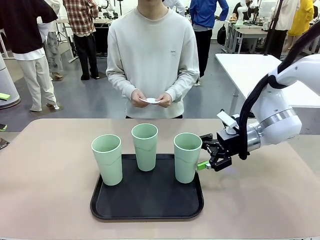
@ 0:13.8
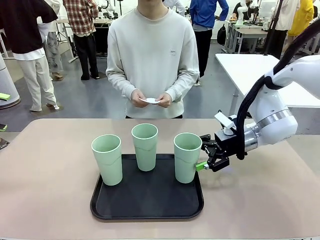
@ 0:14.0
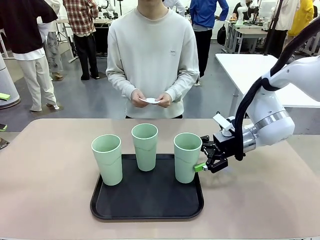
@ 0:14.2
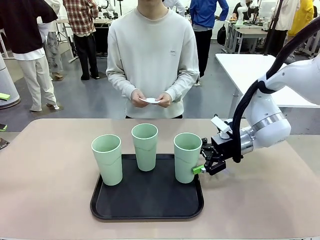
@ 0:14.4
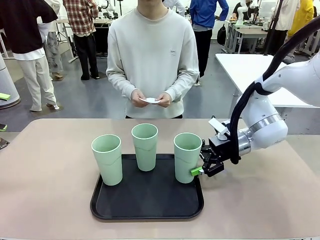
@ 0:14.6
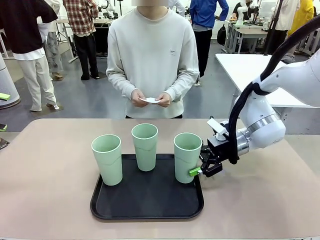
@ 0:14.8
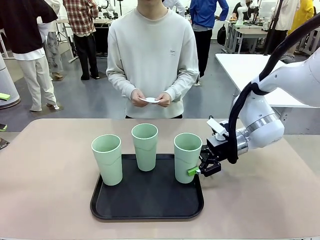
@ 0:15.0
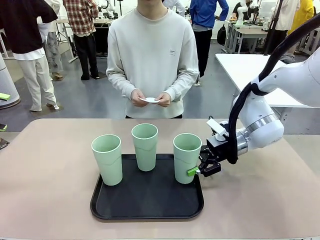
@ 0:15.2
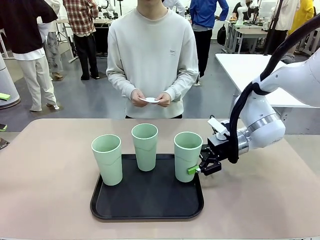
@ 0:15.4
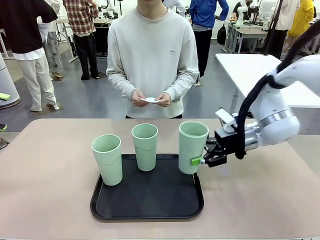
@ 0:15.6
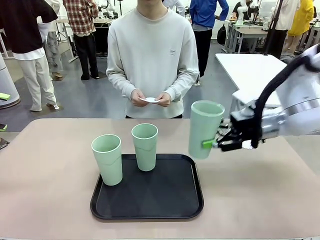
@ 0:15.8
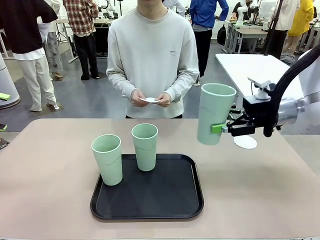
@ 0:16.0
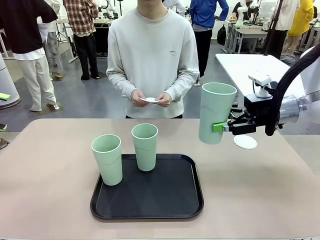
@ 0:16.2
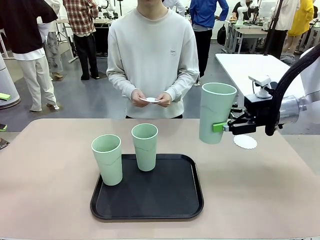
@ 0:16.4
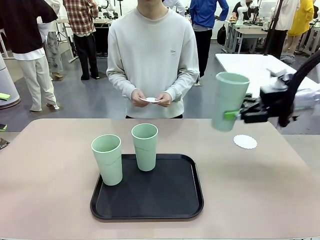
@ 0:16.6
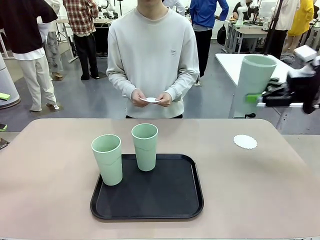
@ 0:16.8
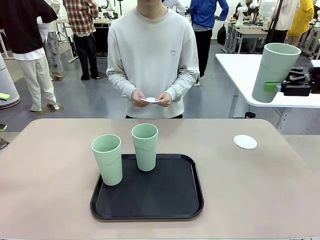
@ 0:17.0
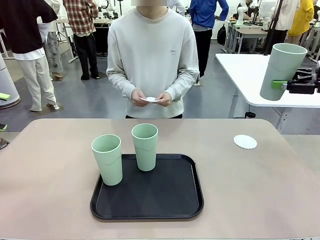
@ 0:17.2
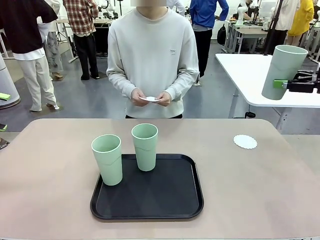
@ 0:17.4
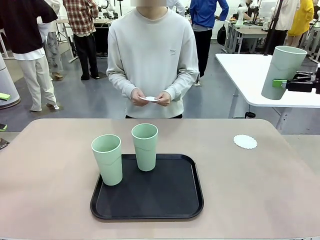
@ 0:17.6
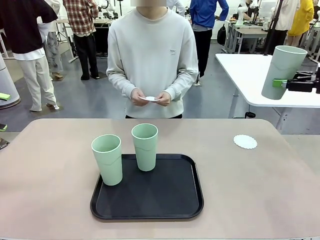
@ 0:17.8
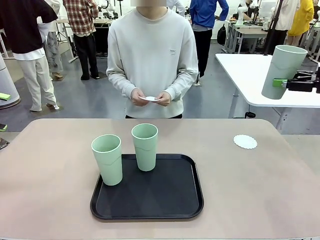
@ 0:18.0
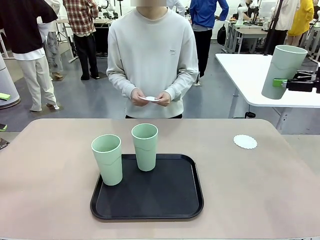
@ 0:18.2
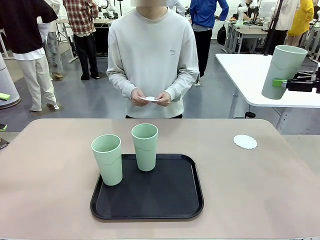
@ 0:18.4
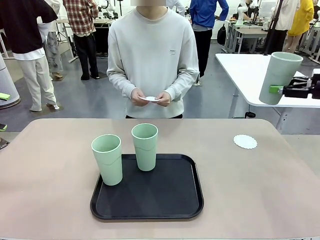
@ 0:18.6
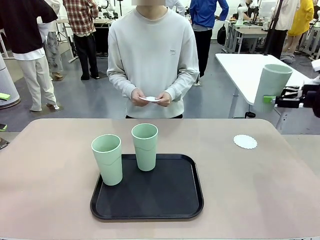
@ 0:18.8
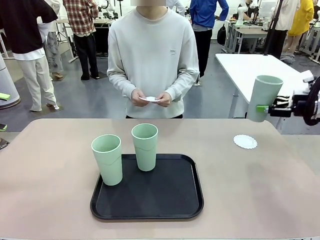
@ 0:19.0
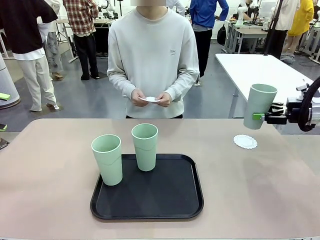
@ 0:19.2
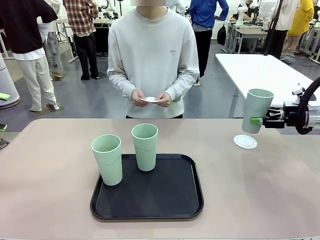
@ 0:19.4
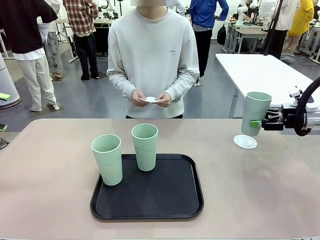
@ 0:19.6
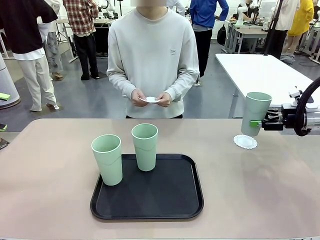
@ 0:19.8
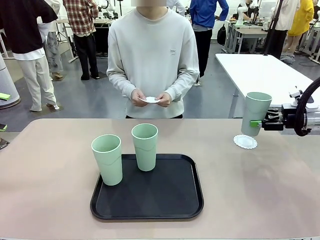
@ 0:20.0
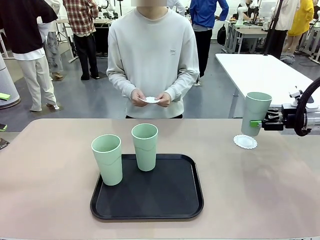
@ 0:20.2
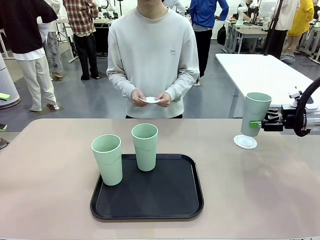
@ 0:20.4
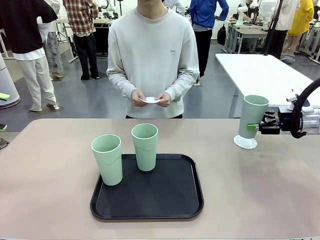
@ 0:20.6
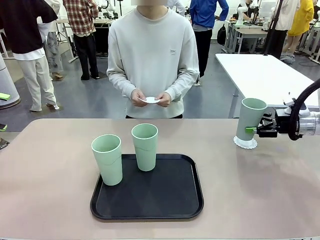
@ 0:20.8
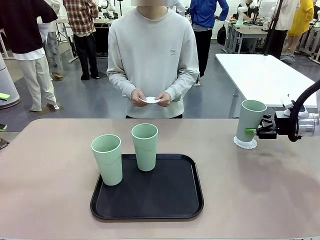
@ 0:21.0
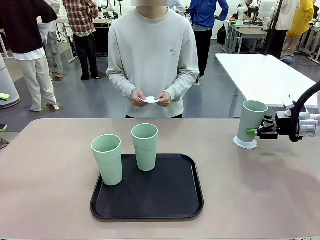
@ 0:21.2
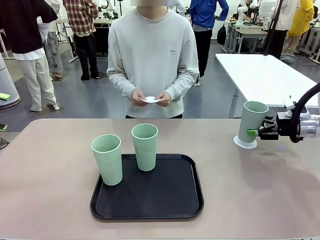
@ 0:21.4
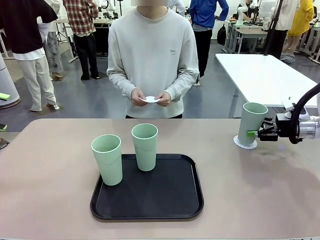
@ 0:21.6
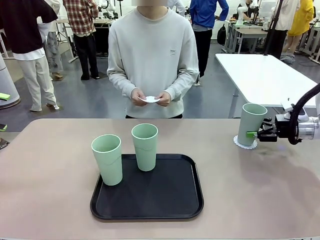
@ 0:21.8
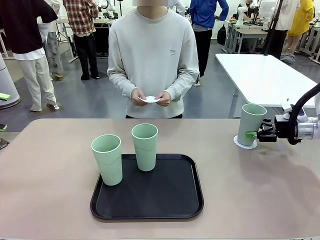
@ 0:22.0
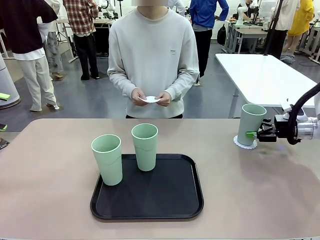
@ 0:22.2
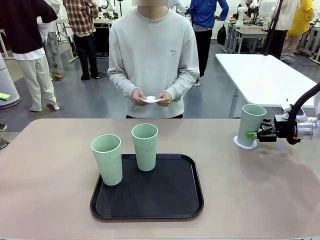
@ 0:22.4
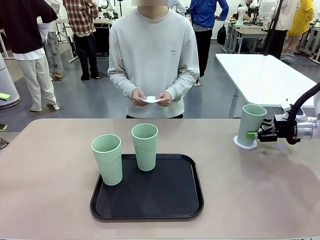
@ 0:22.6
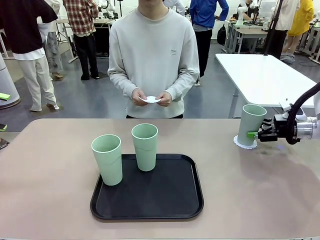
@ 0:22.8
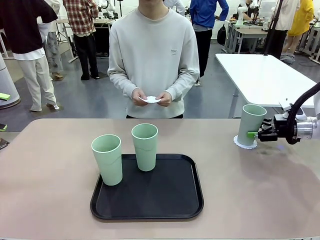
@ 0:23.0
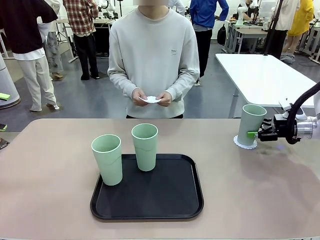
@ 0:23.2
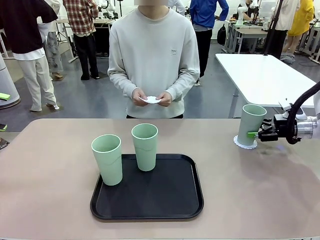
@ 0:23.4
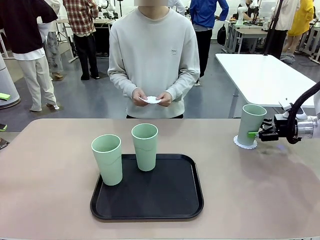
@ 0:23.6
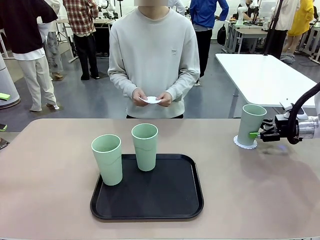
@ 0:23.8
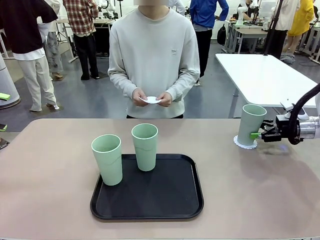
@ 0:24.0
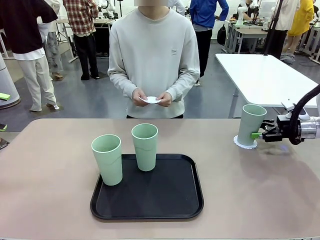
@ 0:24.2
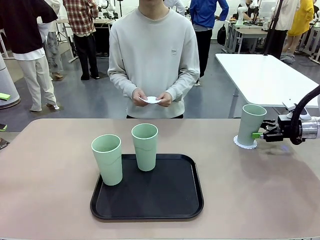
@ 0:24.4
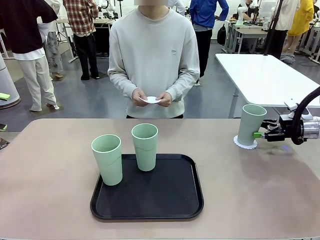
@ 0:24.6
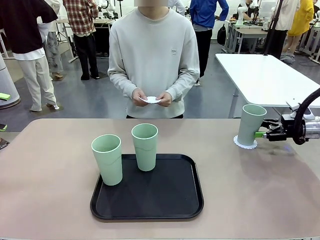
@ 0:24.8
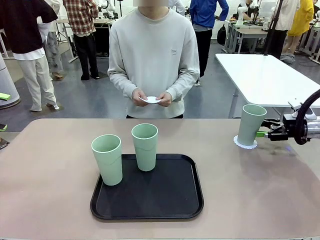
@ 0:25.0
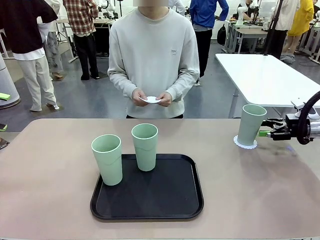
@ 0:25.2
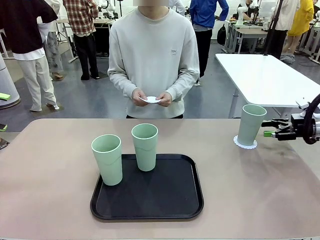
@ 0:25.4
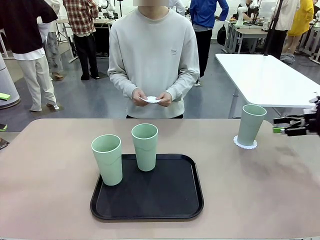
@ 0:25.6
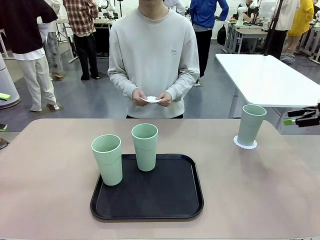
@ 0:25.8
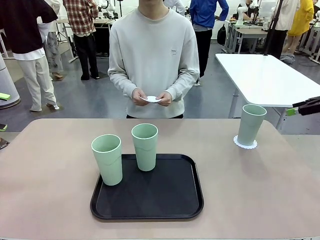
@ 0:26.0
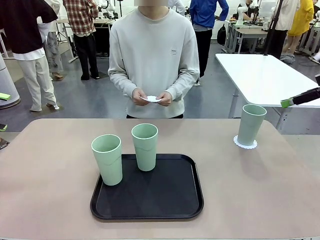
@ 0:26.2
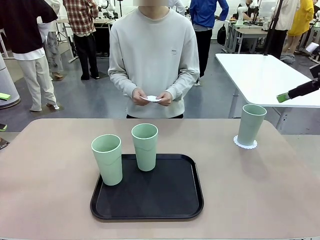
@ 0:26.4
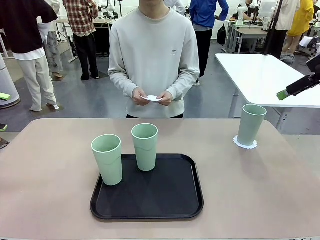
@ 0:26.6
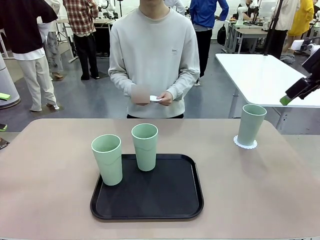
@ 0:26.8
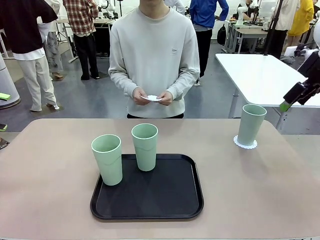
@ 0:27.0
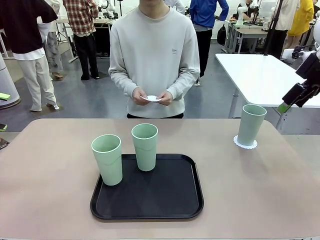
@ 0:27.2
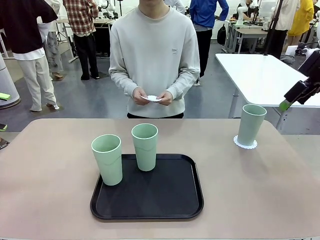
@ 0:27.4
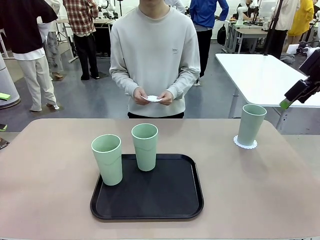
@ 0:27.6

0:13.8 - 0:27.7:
Task: Place coasters on the table and set cups on them.
Robot: Pick up one Reusable plastic cup and place it on a coaster set by the human.
Person: Place one coaster in one of the two areas excluding the previously selected area.

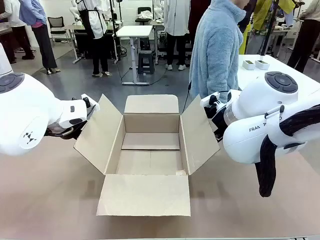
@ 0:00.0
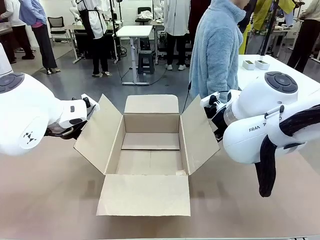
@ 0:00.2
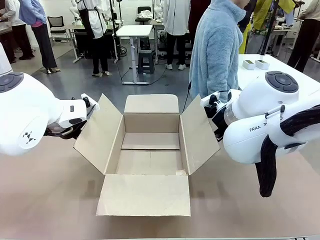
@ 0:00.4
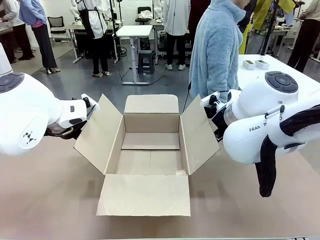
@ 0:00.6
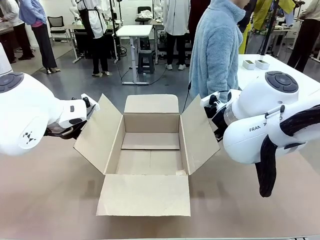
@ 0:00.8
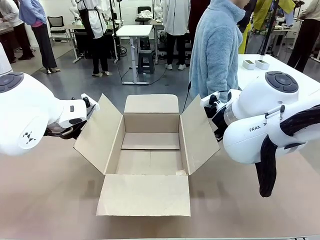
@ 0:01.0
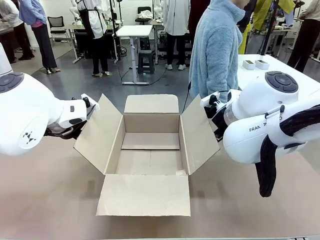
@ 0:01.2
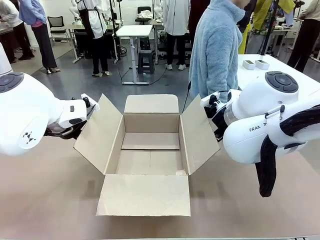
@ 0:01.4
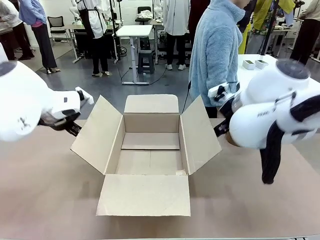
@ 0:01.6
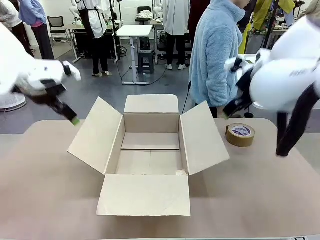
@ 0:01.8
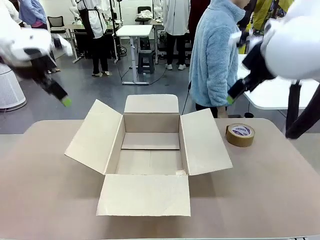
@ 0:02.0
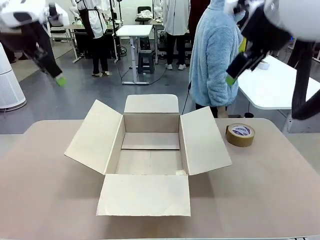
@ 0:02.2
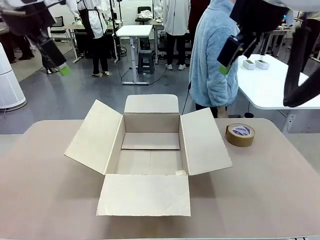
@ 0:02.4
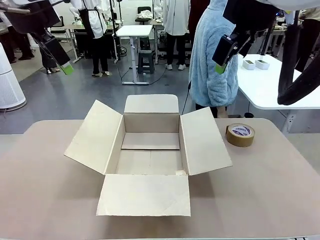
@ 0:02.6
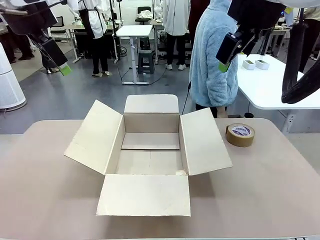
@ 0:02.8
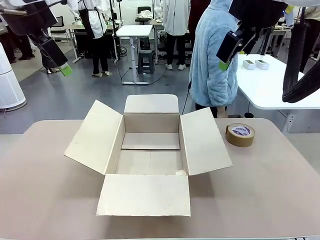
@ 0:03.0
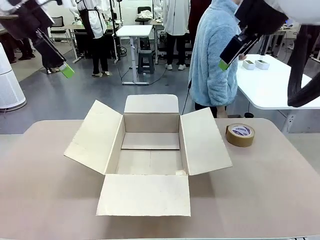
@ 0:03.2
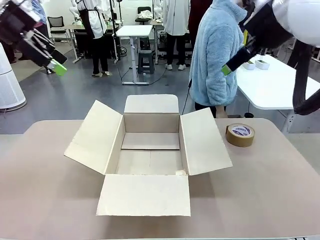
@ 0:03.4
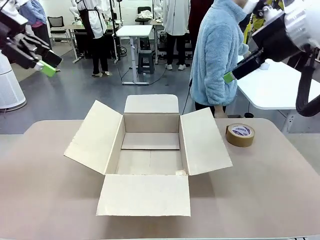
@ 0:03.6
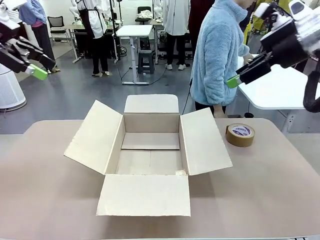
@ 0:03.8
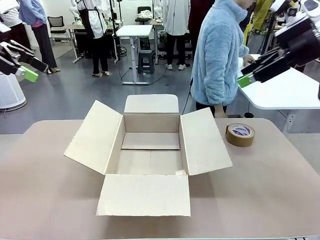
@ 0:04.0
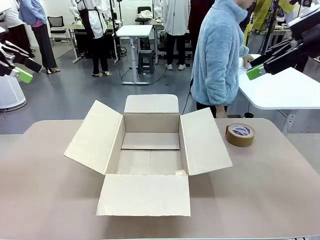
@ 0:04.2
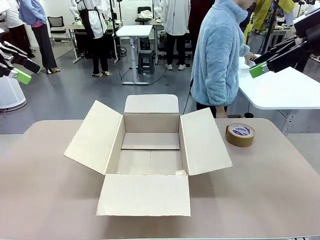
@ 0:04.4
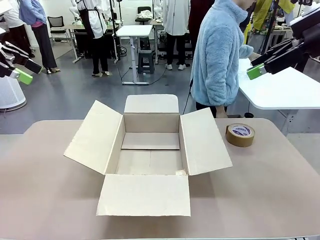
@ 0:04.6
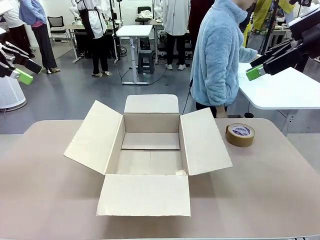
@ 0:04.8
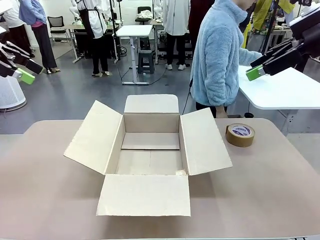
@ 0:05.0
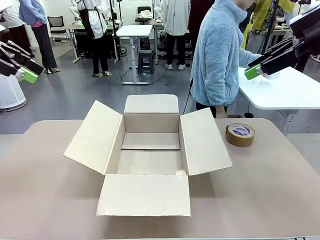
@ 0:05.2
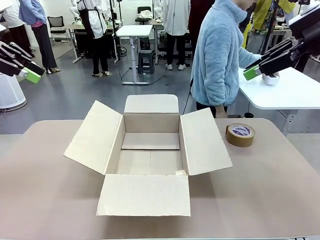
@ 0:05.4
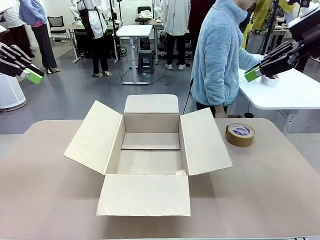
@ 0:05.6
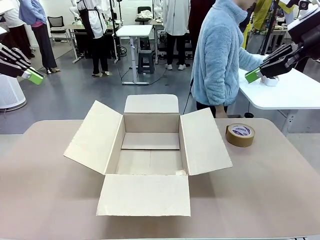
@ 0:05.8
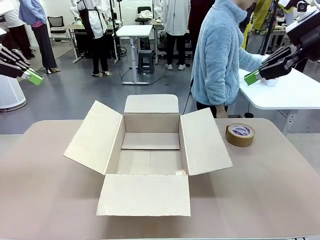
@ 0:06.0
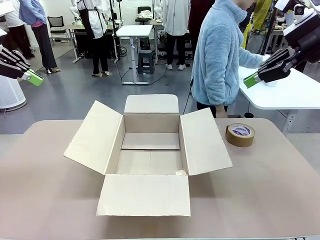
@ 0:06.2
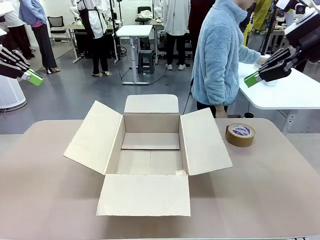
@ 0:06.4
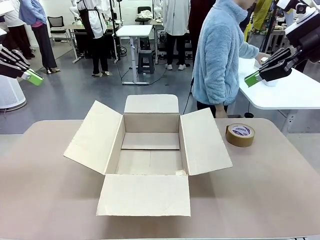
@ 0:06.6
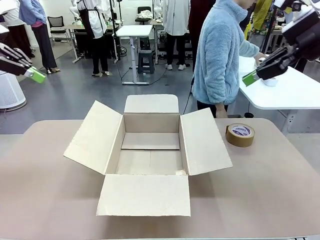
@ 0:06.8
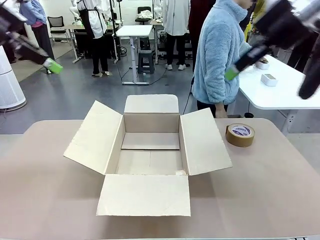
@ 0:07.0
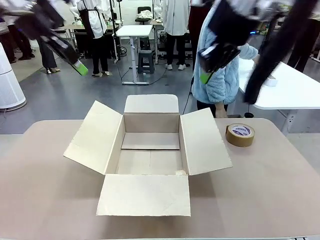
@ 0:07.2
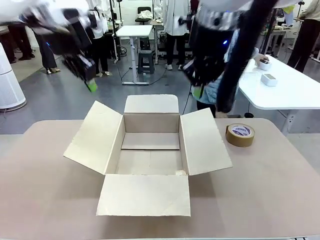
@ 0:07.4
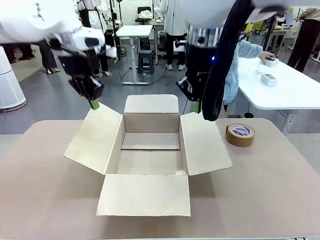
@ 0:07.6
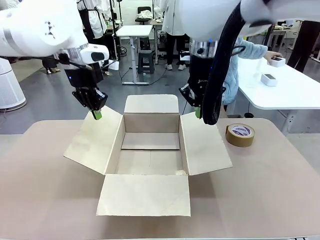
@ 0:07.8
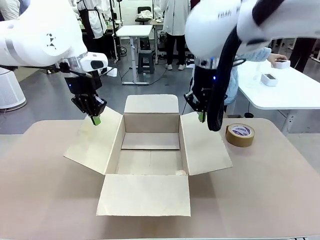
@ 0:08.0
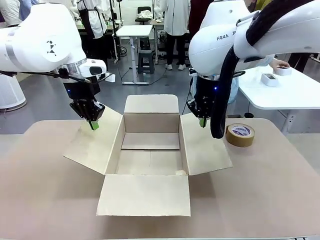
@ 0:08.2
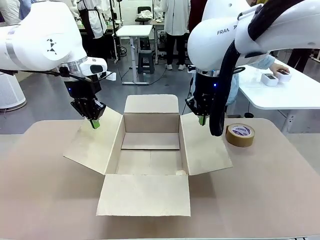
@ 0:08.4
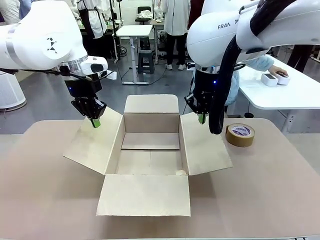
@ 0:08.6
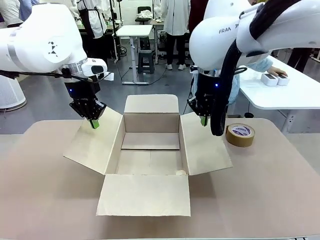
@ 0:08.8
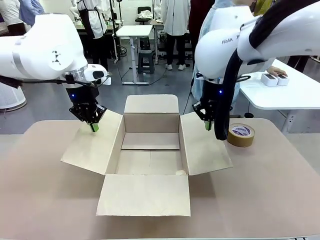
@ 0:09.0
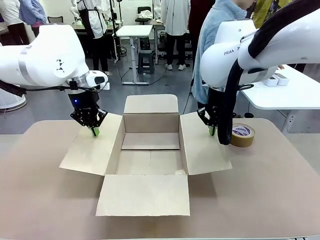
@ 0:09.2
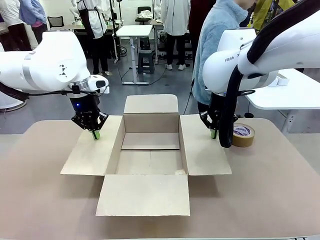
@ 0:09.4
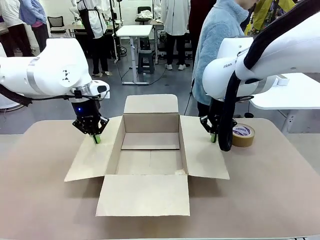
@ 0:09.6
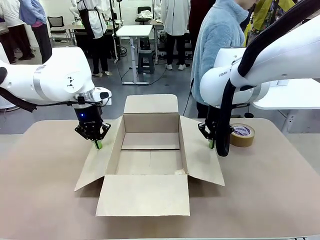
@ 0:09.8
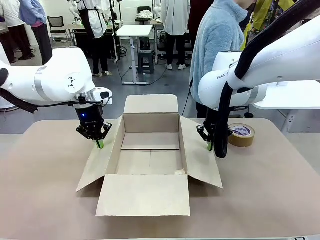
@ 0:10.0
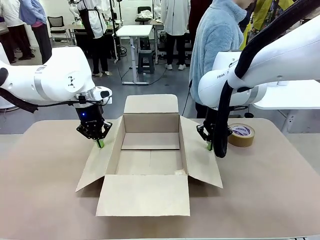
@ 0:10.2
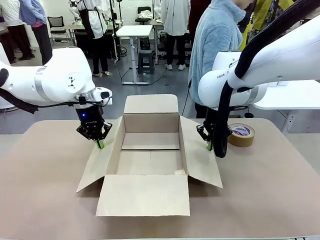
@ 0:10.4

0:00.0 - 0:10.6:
Task: Wrap the clocks to prevent damage.
Robot: Open the side flaps of the Package Box.
